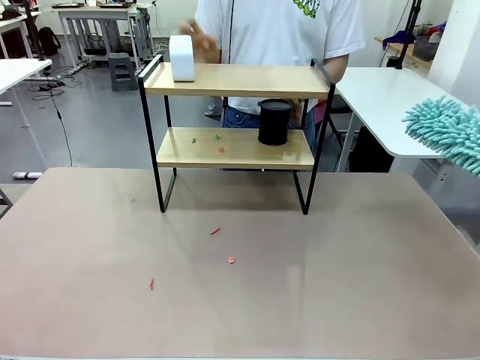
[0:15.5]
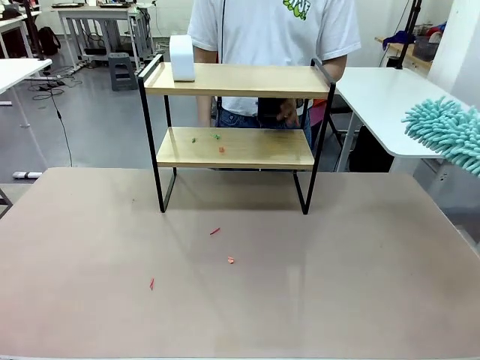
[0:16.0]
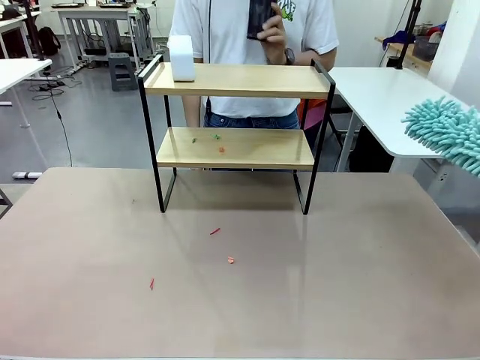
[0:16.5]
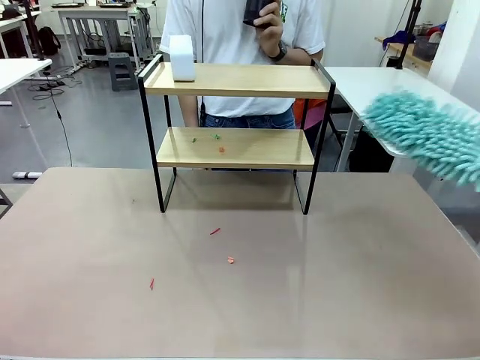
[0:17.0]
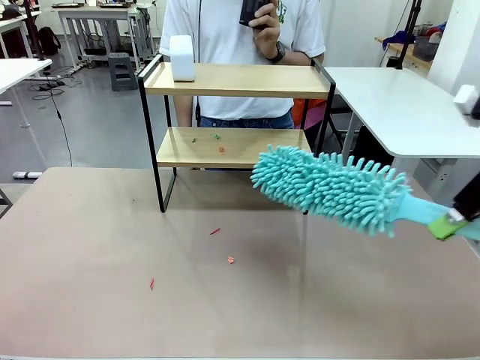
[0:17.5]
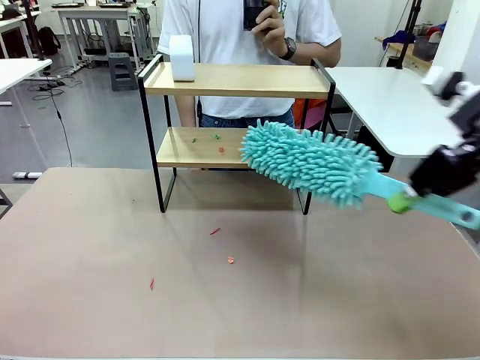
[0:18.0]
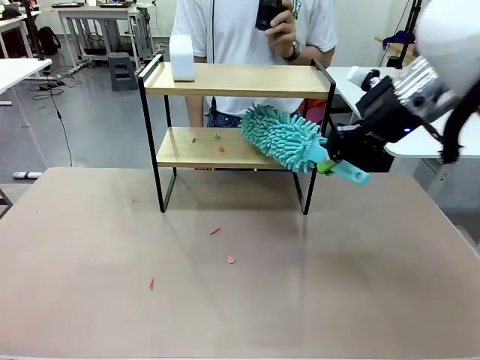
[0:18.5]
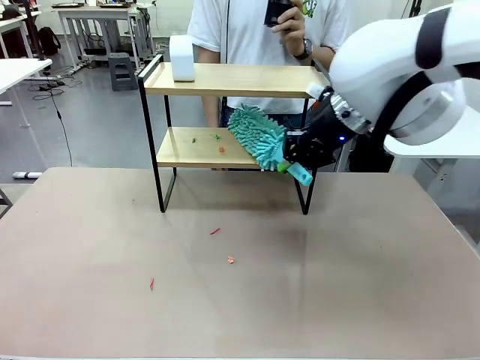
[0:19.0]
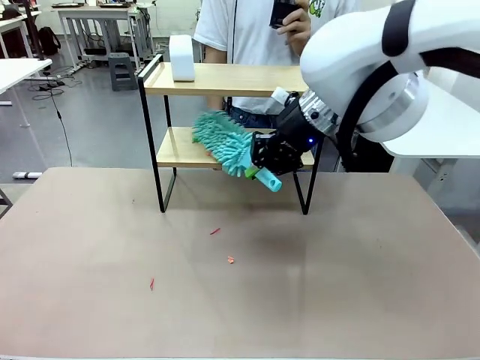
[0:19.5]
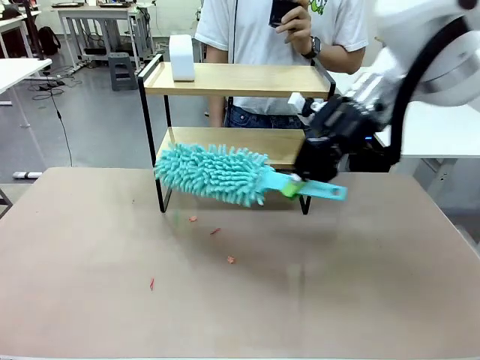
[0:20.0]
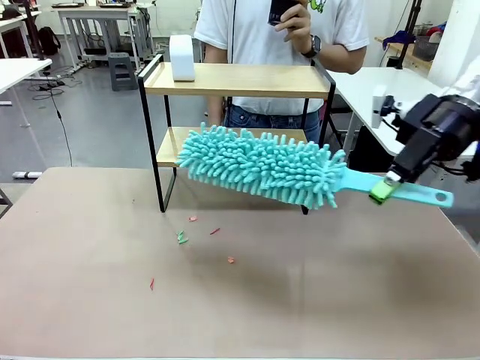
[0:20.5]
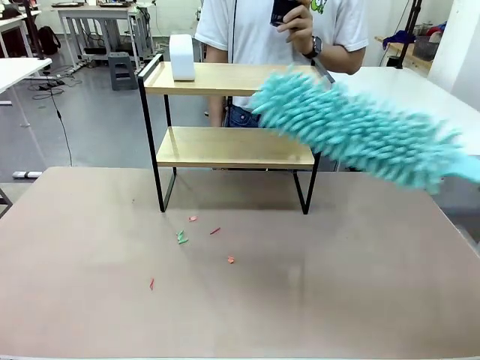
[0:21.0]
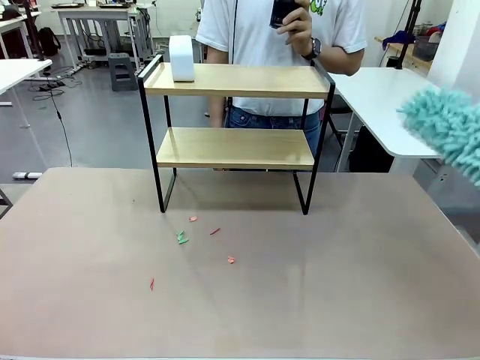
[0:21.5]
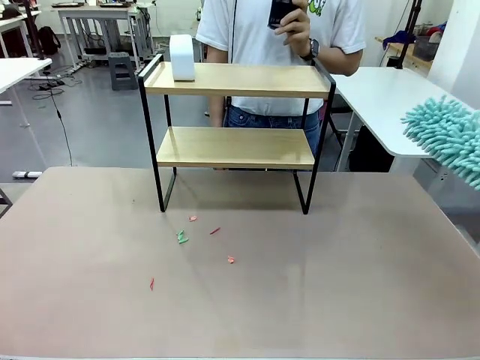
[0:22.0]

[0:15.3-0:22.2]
Task: Clean the shelf.
Robot: Clean the remaining tier of the Shelf with the Duster once objects are removed.

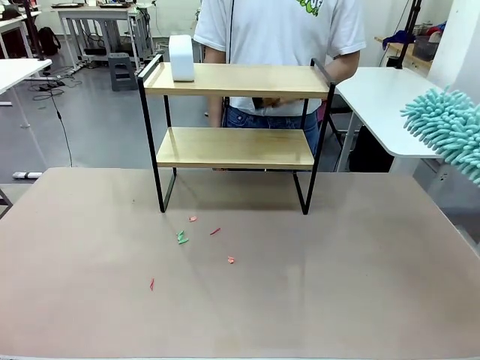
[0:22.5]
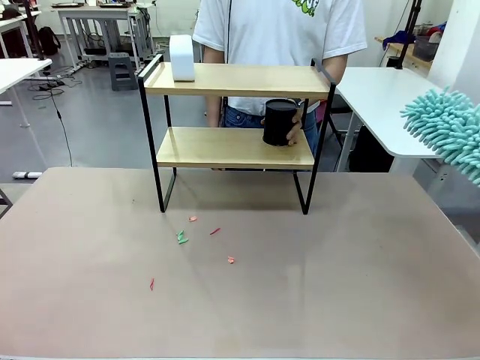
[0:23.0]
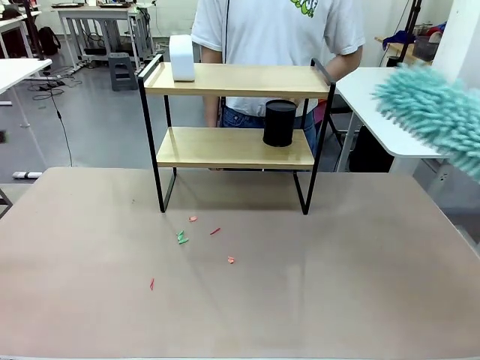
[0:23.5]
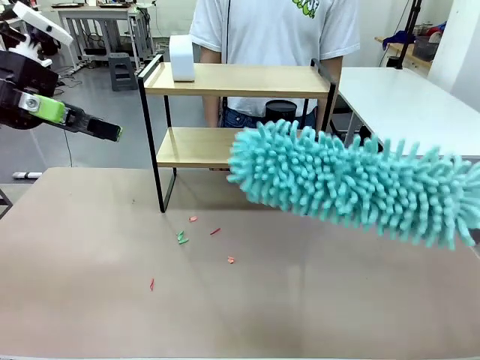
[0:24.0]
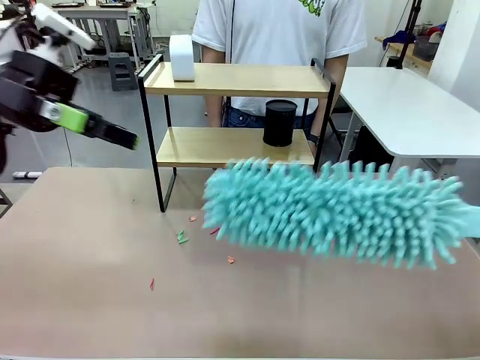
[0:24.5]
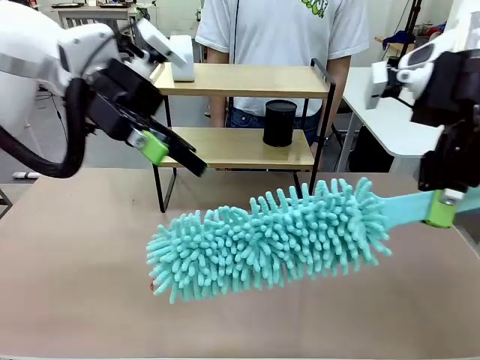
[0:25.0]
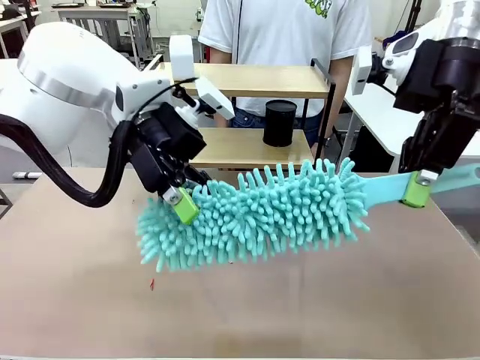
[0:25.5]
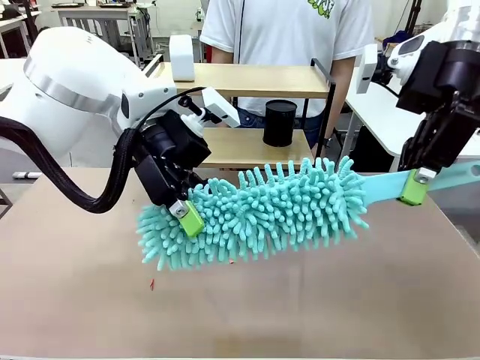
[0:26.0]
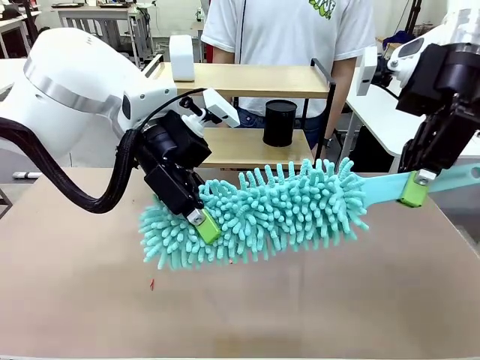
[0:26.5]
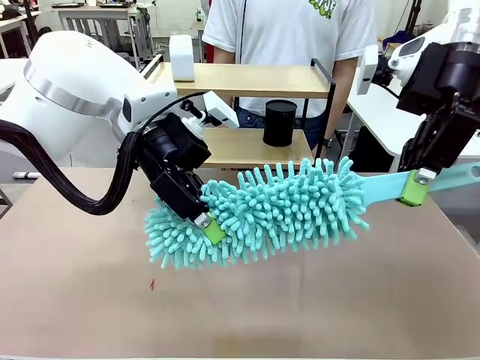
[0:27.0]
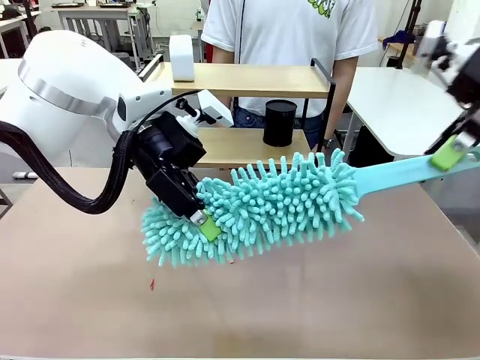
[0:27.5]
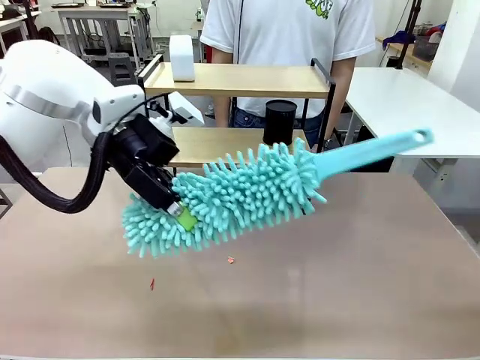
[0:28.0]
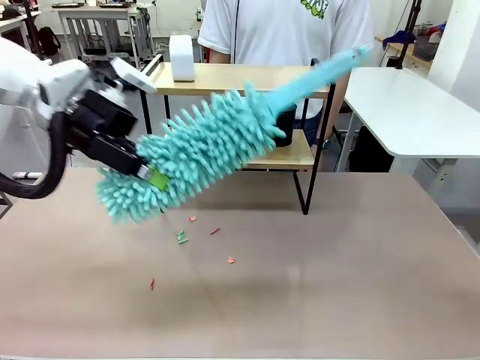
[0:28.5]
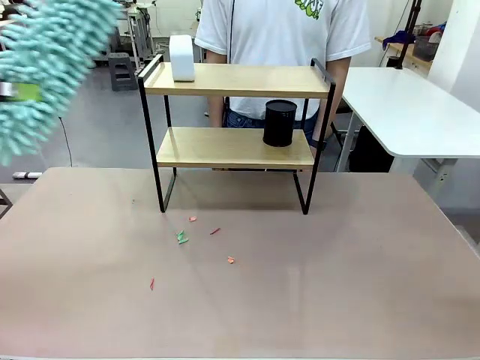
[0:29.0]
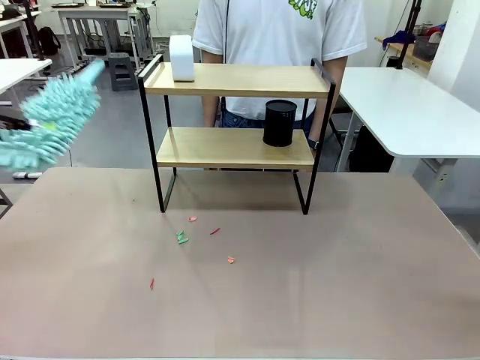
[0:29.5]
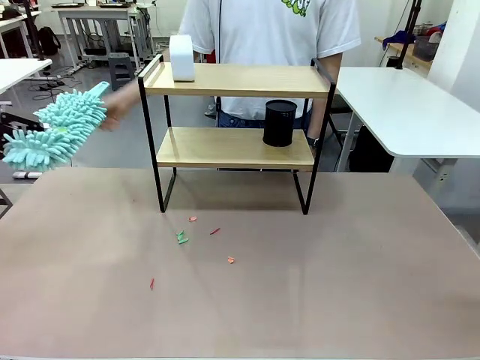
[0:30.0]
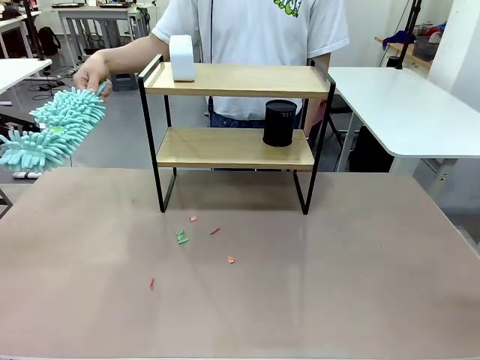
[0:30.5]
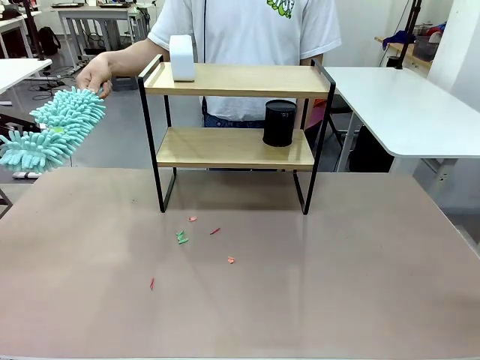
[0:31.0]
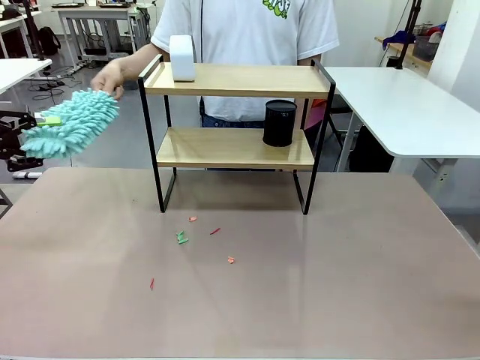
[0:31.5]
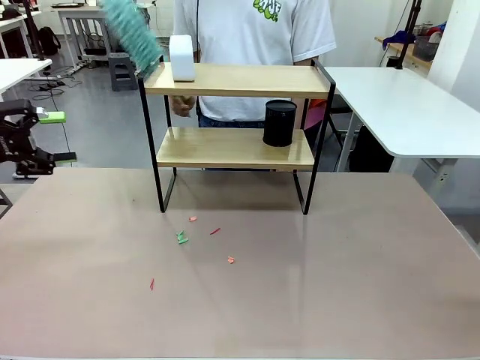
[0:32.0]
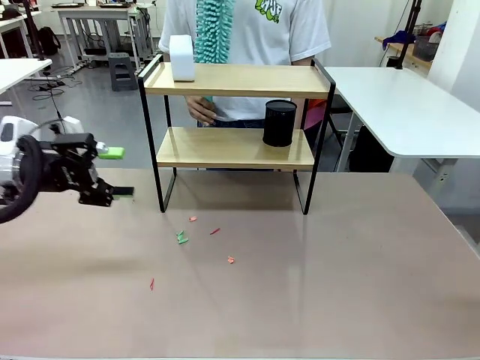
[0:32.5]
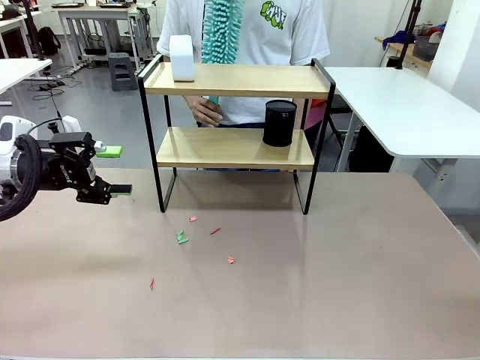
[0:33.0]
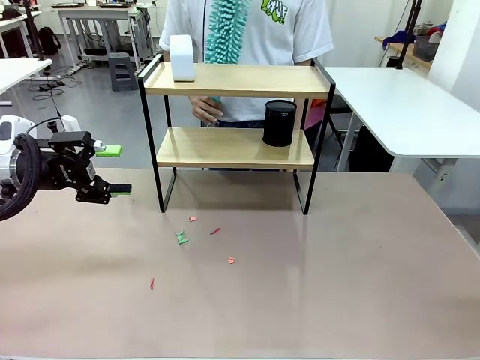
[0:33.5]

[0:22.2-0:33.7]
Robot: Hand the Duster back to the human.
Person: Receive the Duster from the robot.

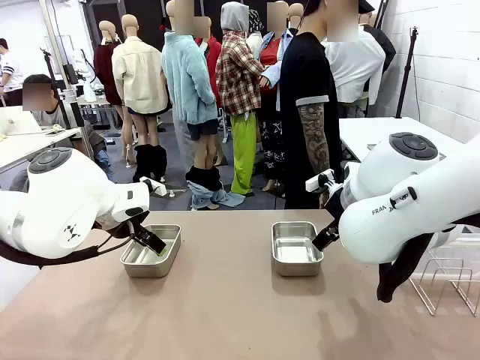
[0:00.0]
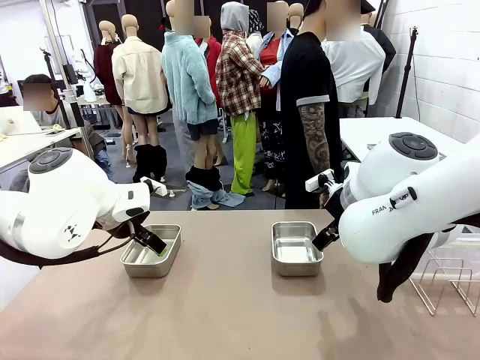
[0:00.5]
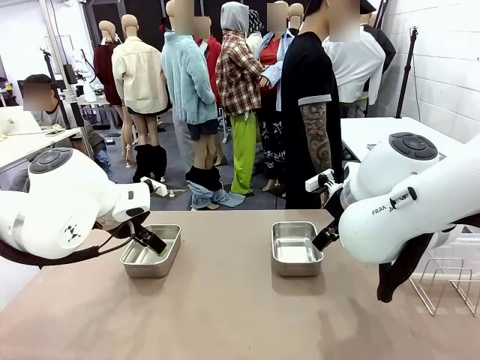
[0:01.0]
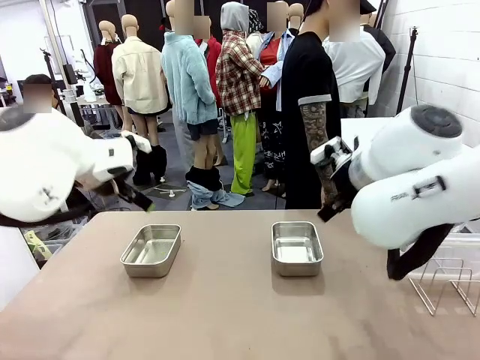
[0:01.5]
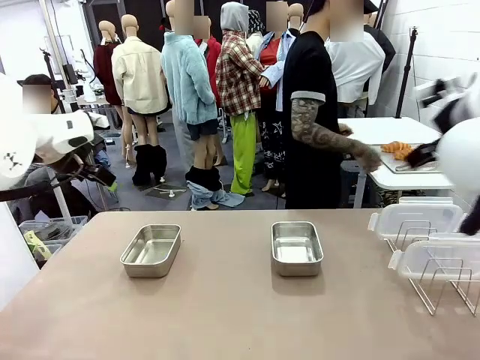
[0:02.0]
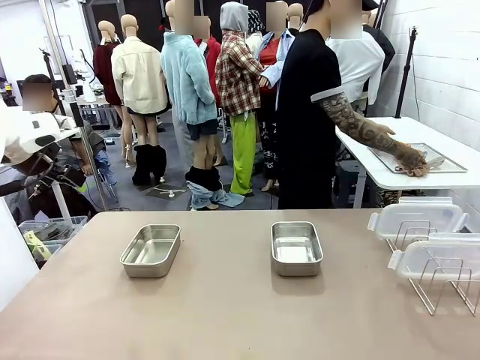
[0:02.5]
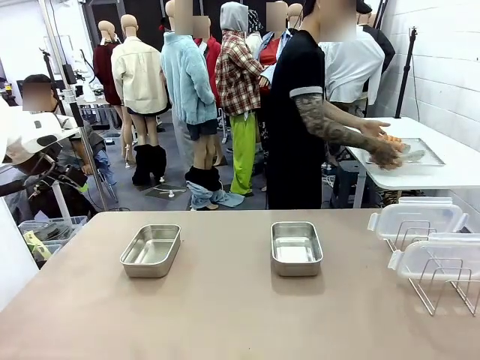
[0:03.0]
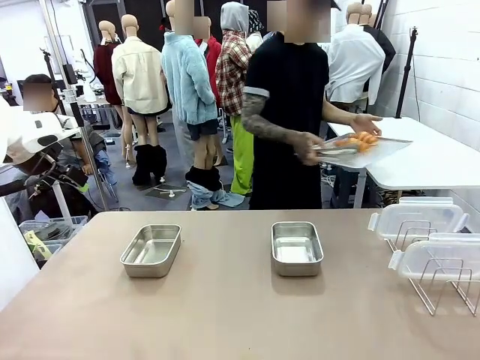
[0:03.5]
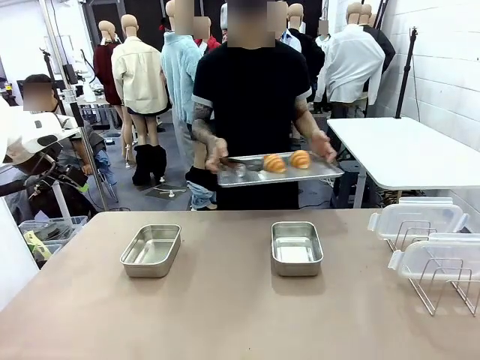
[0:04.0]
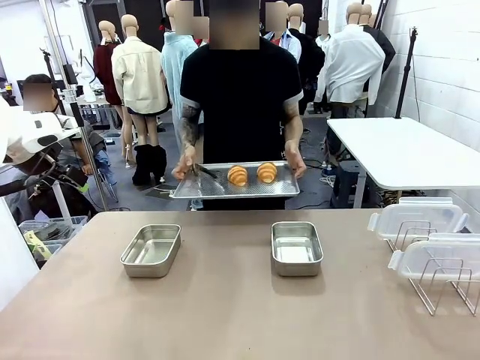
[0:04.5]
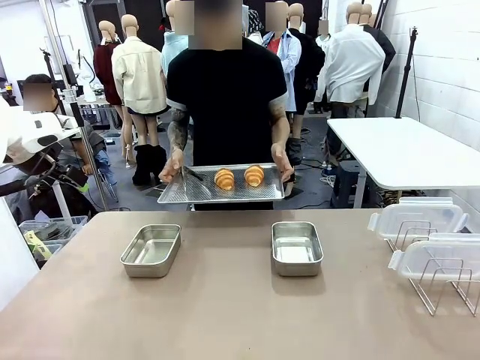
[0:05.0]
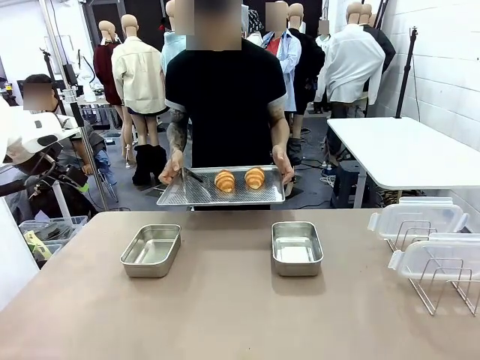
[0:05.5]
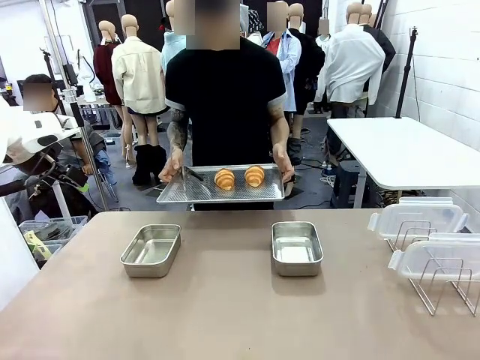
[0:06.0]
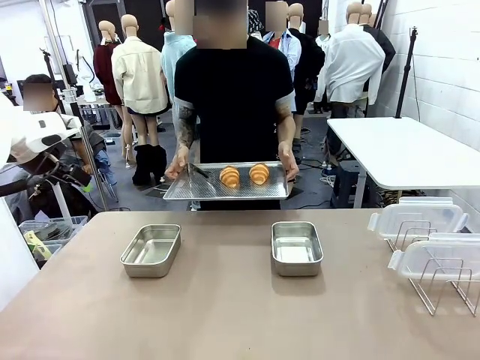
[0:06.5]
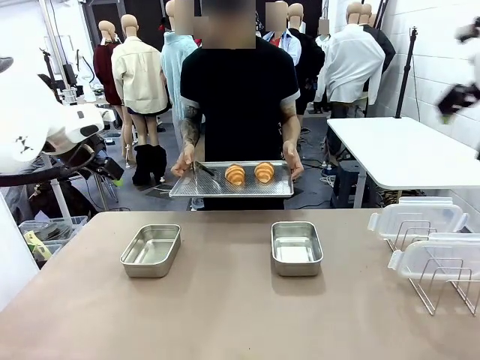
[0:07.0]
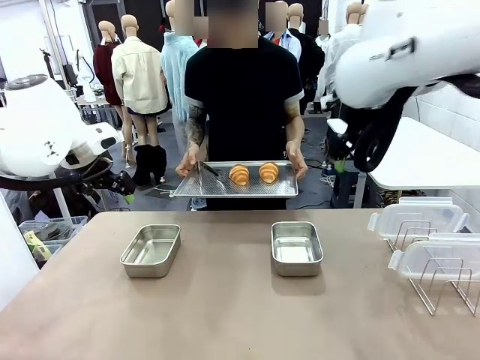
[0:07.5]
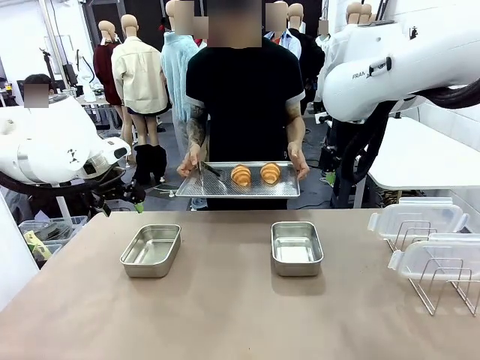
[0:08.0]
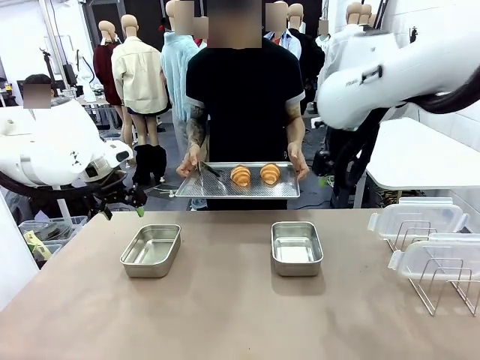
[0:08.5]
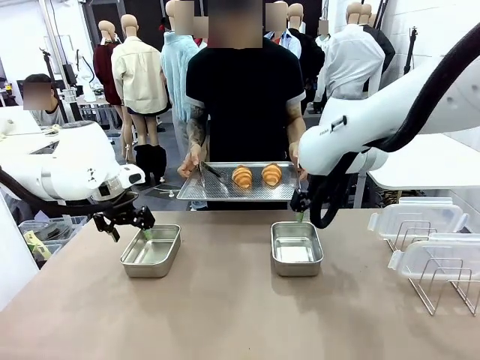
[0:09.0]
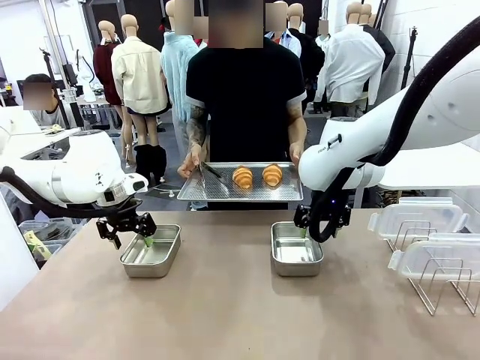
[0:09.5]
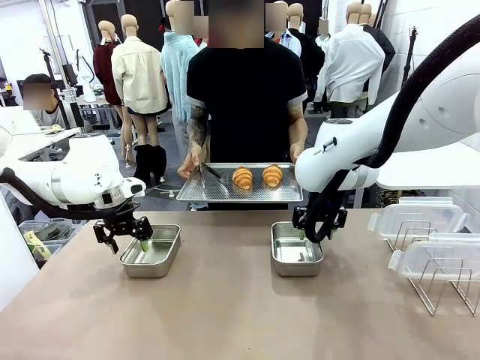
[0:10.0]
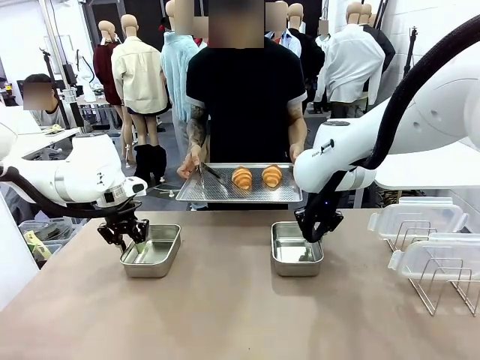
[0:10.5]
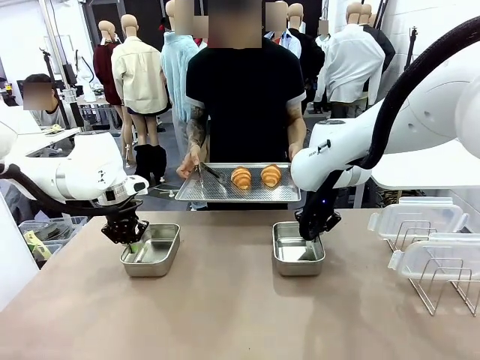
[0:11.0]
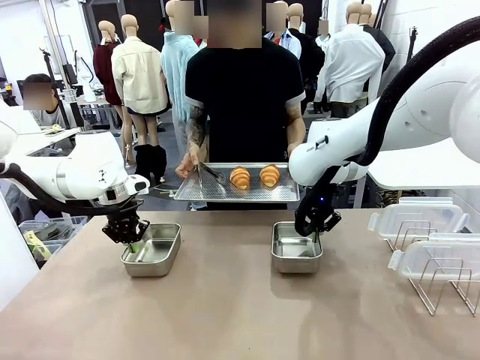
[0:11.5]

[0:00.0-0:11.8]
Task: Place the bread in airtight containers.
Robot: Lift both Airtight Container.
Person: Bring the Baking Sheet in front of Robot's Table.
